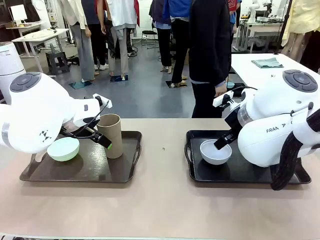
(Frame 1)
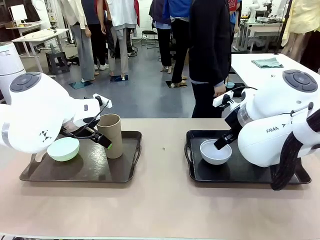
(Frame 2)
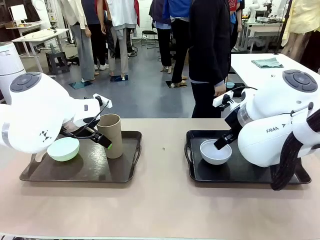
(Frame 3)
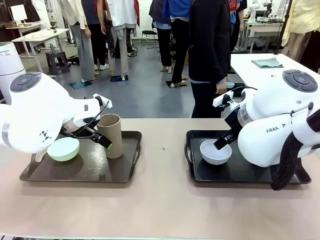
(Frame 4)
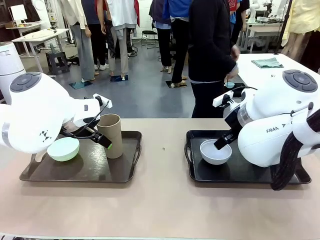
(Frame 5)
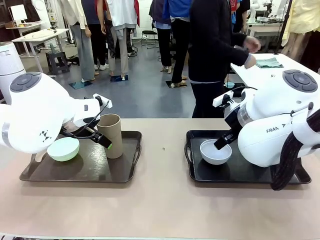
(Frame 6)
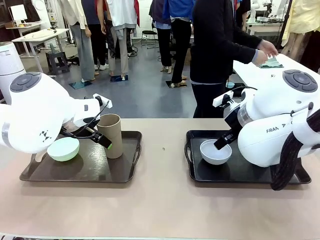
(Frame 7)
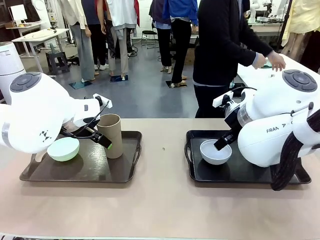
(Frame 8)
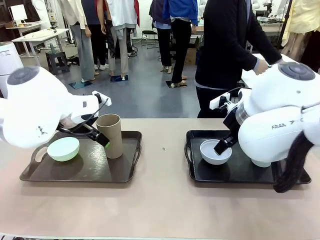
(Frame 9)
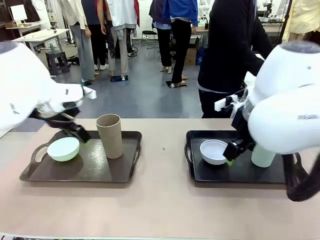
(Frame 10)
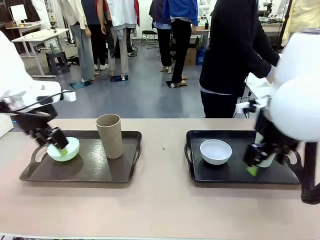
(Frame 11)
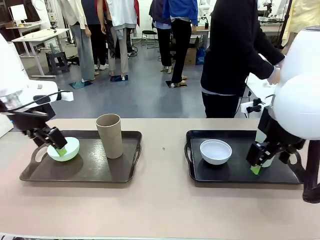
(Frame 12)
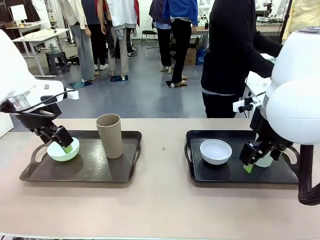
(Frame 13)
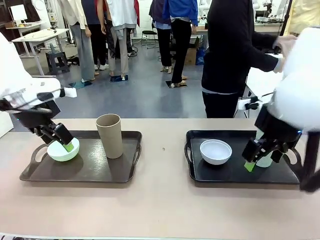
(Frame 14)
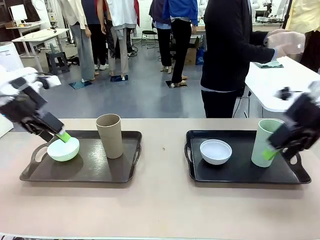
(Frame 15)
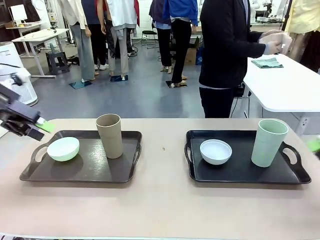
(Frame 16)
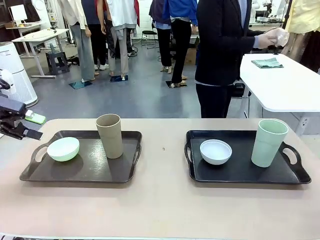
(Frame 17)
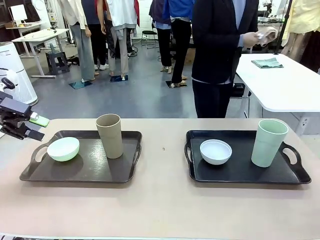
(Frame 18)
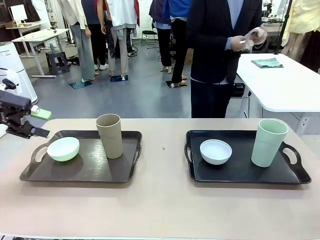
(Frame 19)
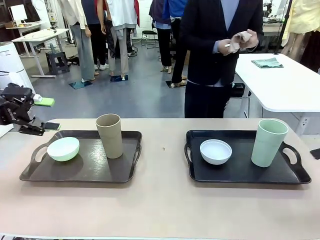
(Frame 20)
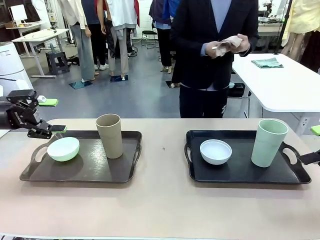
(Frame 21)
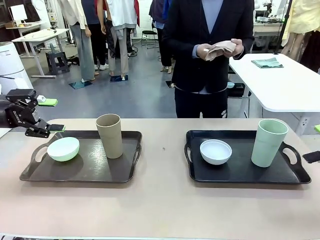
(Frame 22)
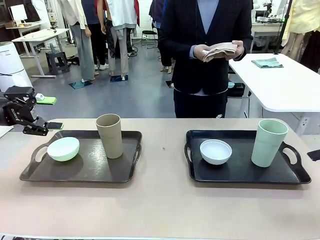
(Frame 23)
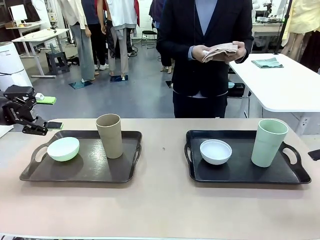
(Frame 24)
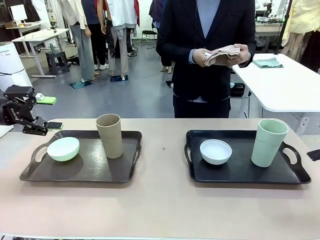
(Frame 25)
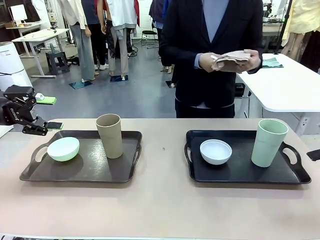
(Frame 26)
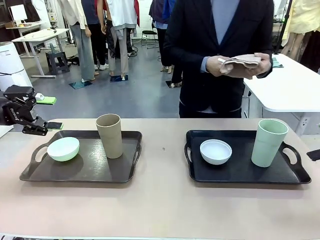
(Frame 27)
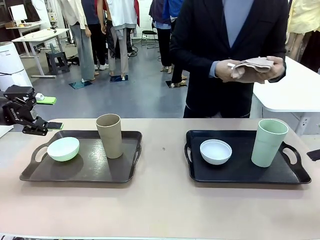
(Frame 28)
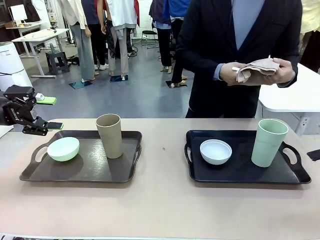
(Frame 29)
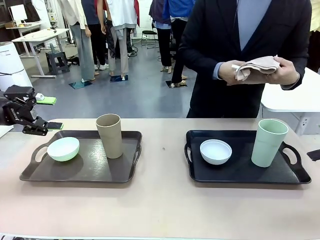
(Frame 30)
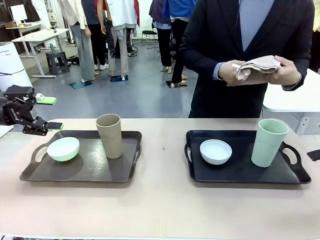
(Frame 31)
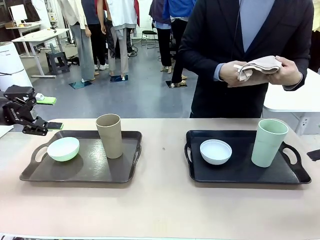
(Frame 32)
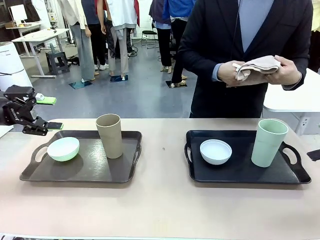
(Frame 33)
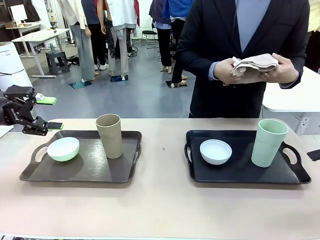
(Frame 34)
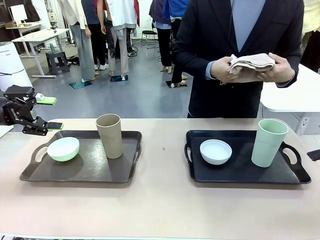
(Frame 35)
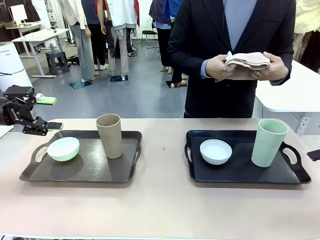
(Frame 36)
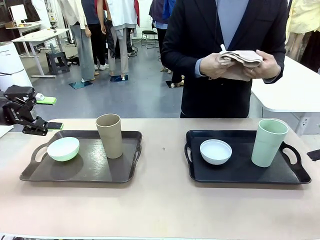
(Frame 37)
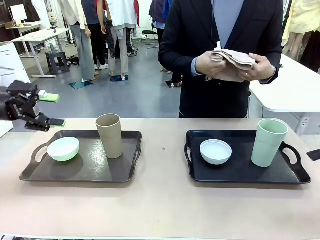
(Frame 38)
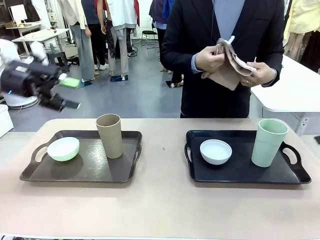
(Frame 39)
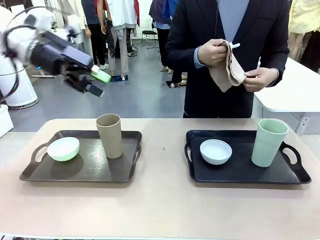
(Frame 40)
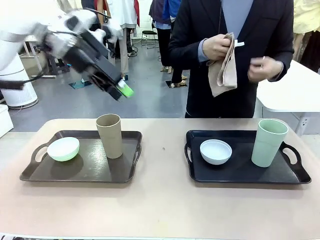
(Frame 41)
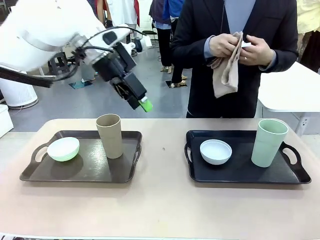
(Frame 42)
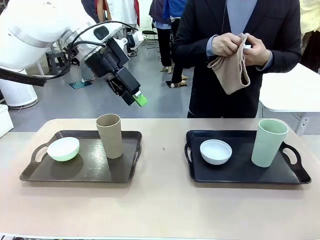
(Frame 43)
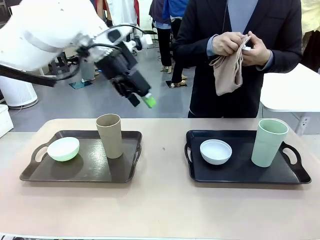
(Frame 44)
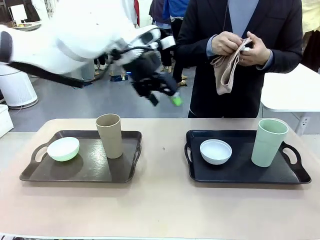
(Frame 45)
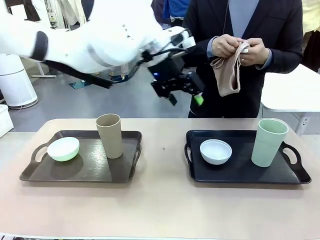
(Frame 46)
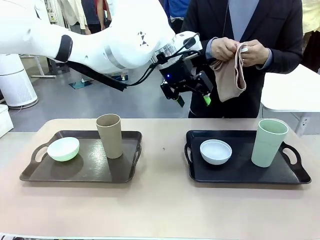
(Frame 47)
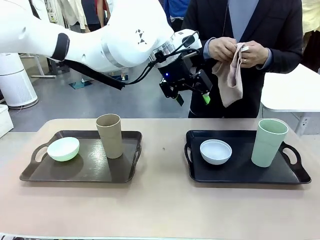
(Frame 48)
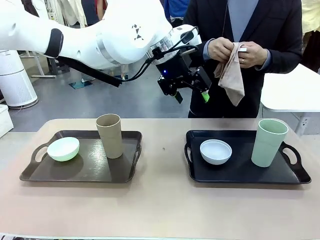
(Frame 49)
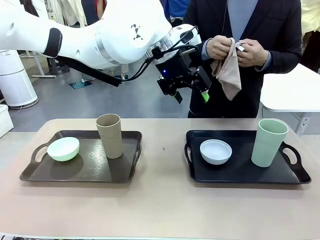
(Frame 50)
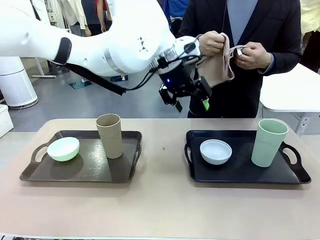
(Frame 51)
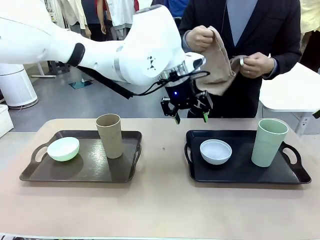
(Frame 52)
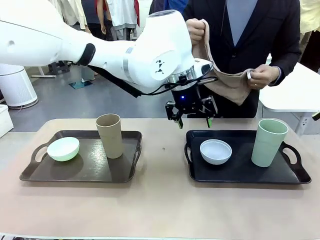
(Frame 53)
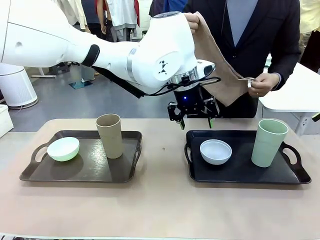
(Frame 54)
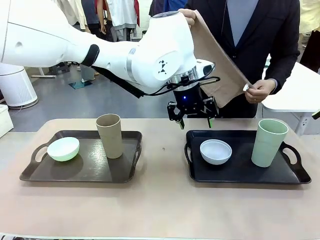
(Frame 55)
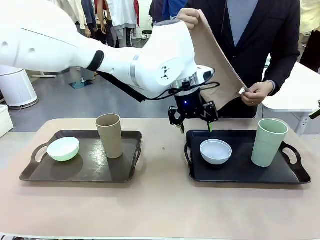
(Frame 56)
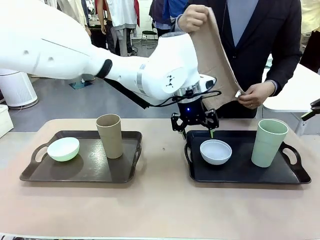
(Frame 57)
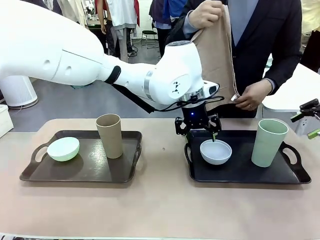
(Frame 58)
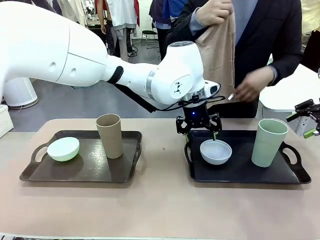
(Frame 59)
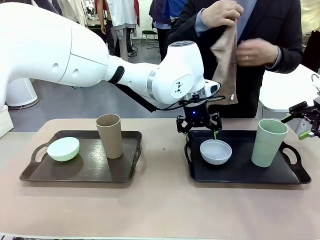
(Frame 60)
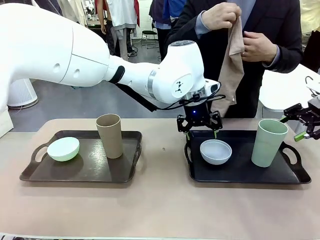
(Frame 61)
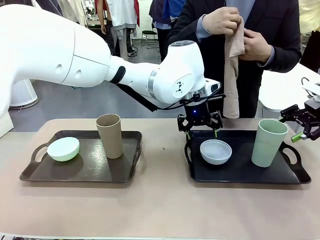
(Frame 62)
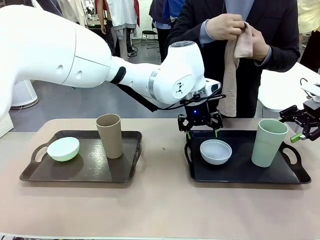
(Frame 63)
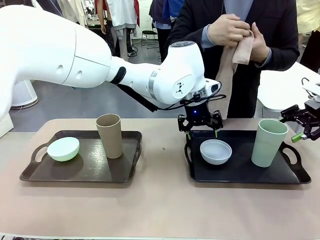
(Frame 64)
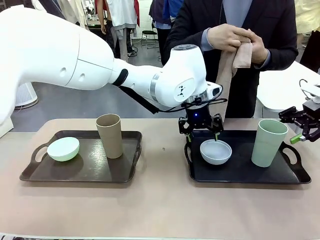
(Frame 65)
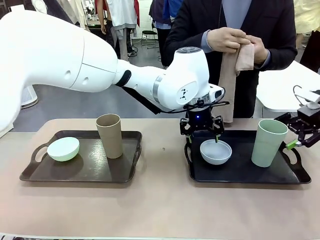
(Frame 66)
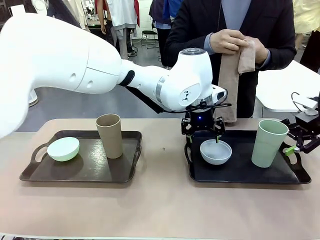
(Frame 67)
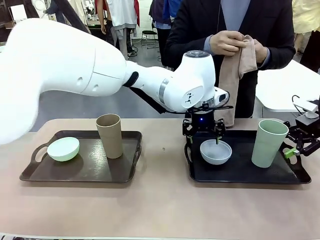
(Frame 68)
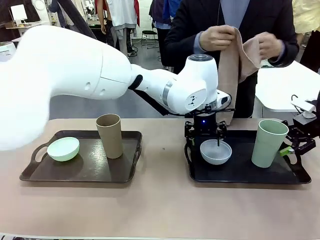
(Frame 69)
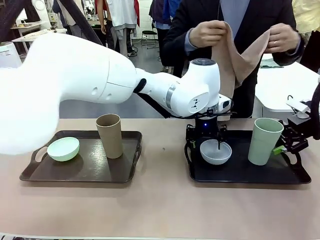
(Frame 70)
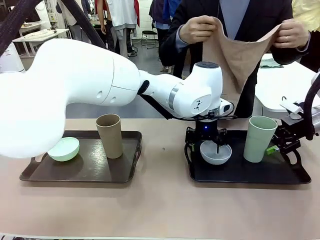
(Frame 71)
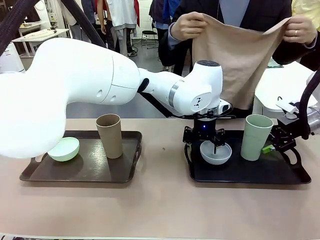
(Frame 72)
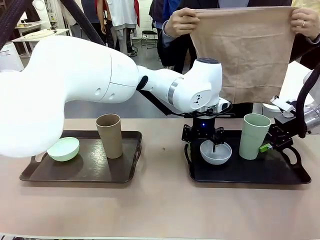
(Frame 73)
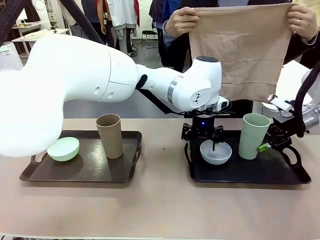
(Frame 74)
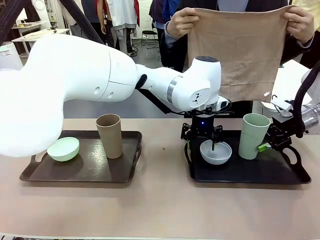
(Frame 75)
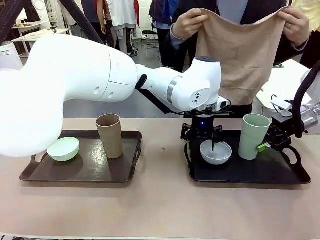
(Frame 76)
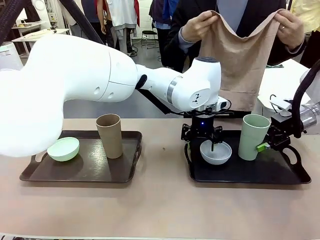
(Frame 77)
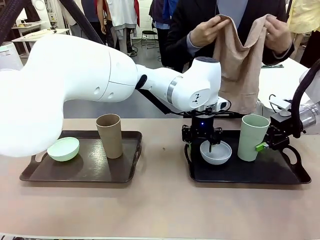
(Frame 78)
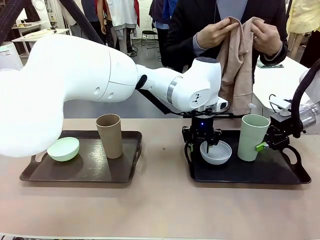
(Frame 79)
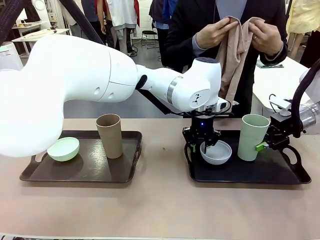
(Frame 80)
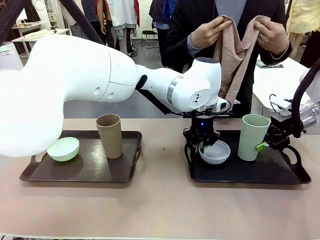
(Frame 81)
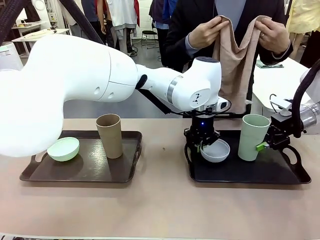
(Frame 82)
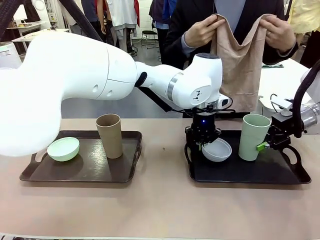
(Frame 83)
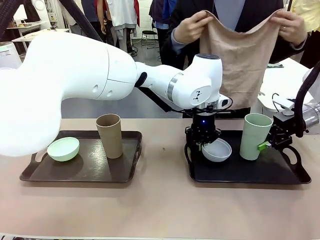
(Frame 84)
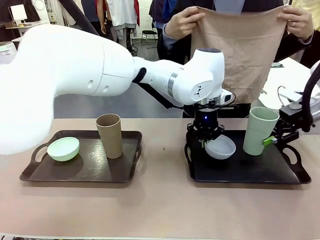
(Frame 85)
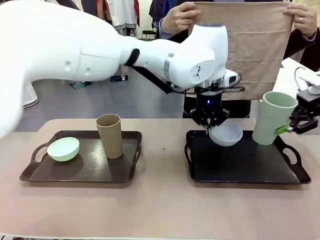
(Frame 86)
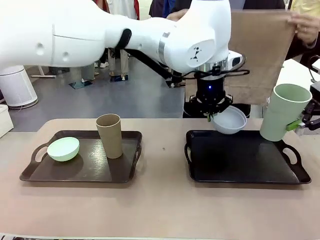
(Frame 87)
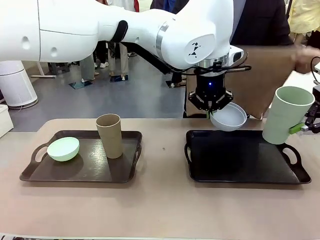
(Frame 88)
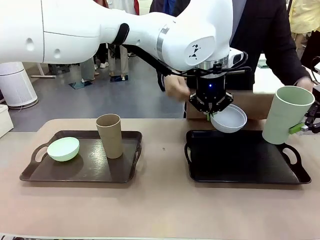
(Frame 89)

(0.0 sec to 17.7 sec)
Robot: Pick up the Picnic Bowl and Reusable plastic cup from the Handle tray in front of the human's position and hold them in the air.
Person: The human picks up the top napkin from the stack on the human table and walks to the robot table to stand in front of one of the two trays. When the robot lifts the bowl and the cup, the human unfolds the napkin and lays the napkin flat on the tray.
